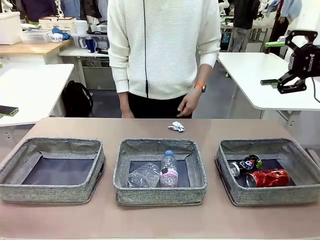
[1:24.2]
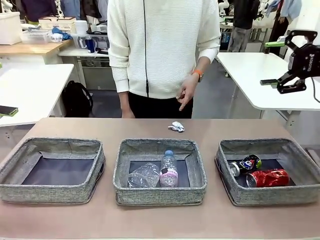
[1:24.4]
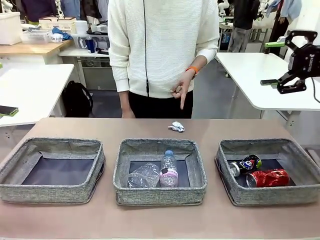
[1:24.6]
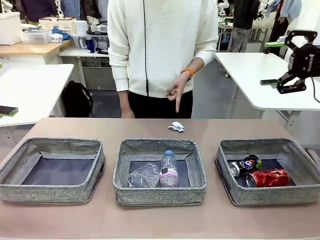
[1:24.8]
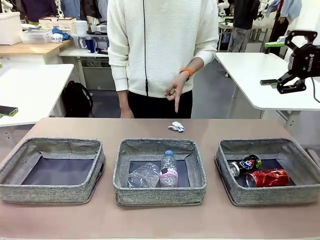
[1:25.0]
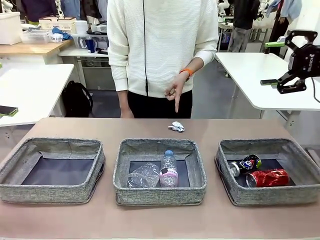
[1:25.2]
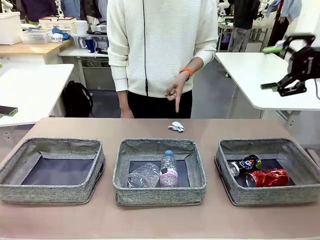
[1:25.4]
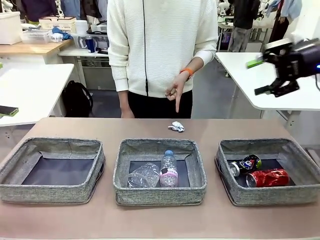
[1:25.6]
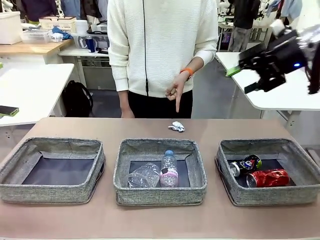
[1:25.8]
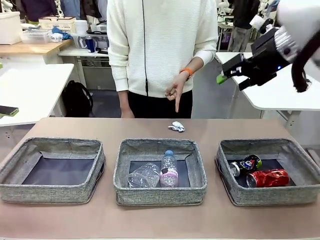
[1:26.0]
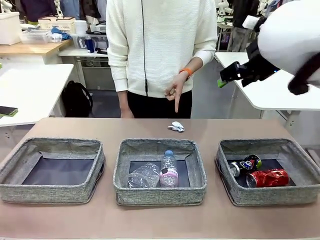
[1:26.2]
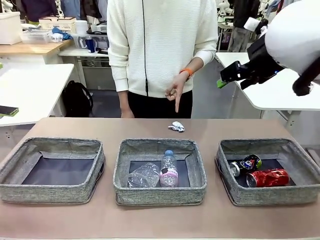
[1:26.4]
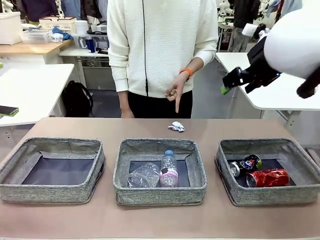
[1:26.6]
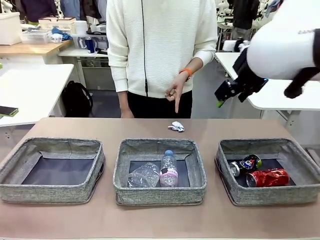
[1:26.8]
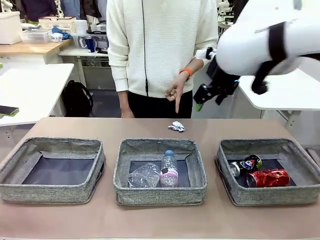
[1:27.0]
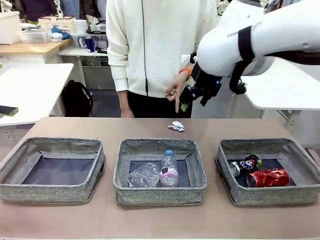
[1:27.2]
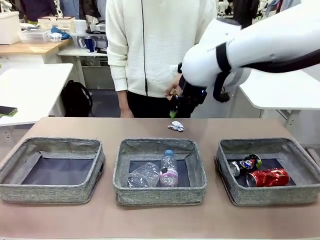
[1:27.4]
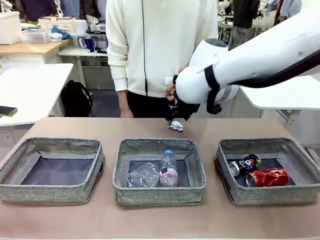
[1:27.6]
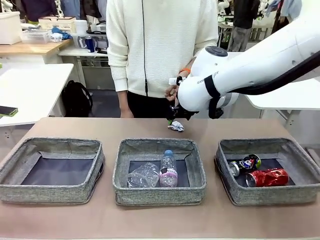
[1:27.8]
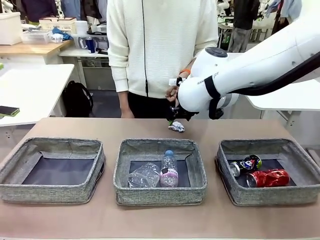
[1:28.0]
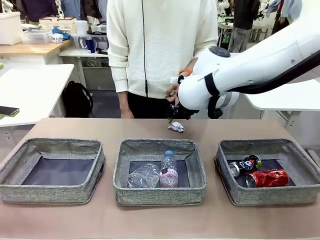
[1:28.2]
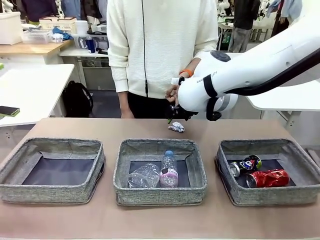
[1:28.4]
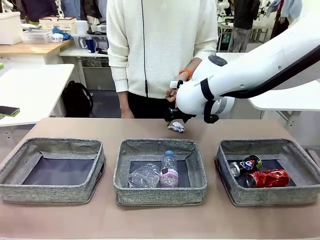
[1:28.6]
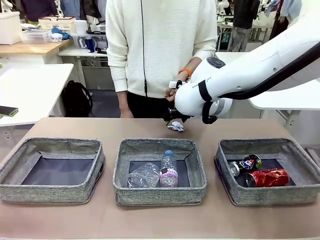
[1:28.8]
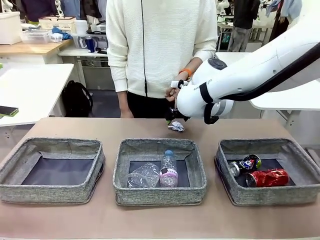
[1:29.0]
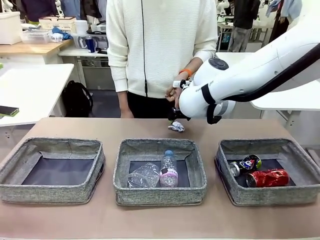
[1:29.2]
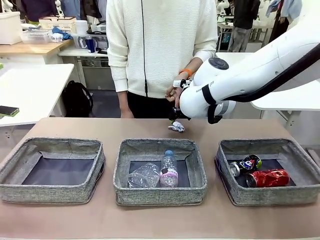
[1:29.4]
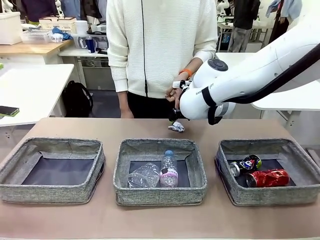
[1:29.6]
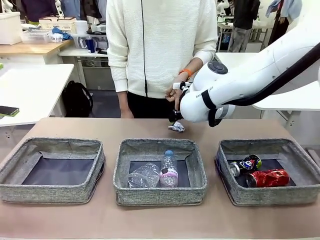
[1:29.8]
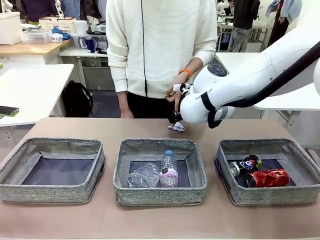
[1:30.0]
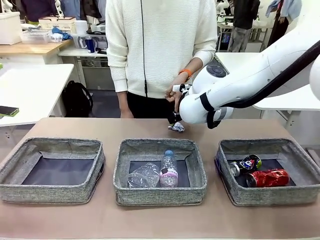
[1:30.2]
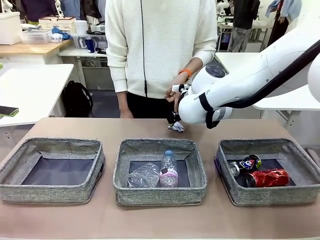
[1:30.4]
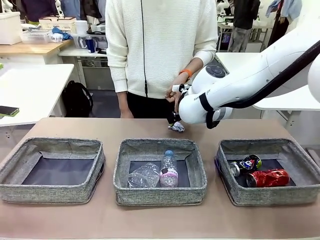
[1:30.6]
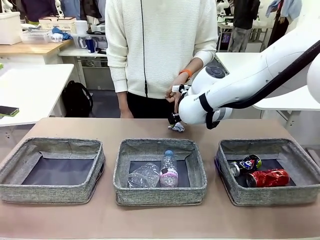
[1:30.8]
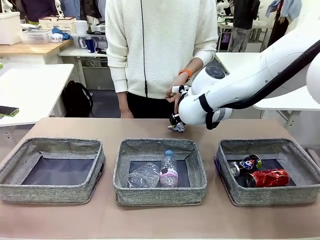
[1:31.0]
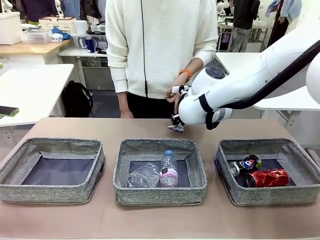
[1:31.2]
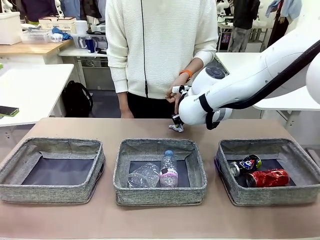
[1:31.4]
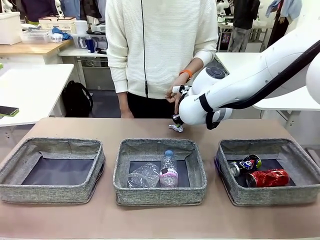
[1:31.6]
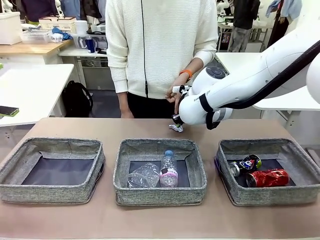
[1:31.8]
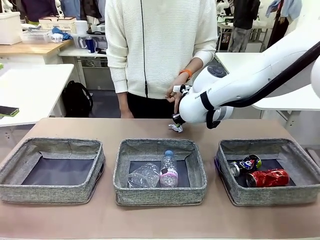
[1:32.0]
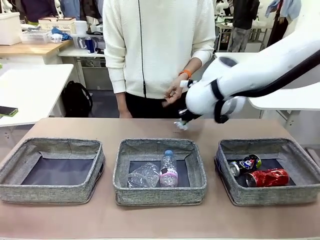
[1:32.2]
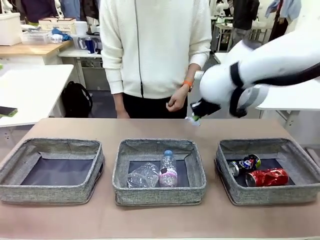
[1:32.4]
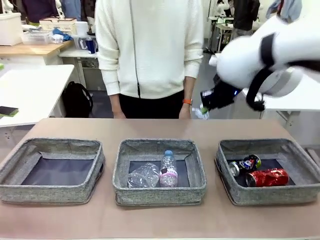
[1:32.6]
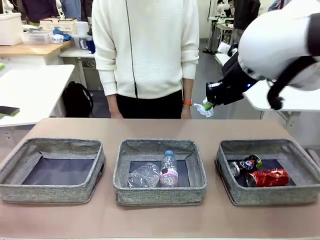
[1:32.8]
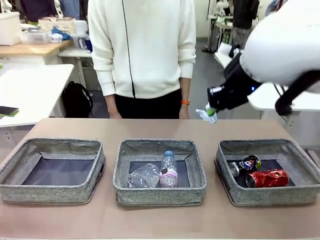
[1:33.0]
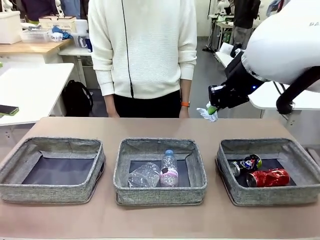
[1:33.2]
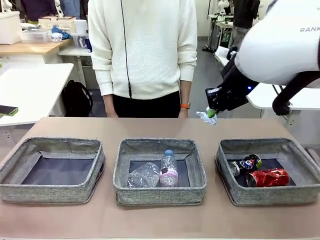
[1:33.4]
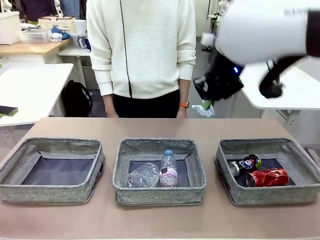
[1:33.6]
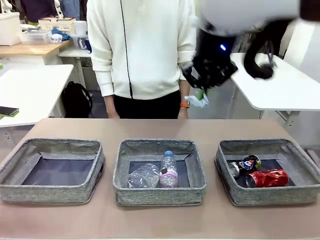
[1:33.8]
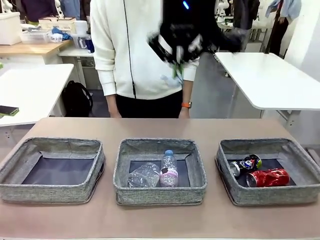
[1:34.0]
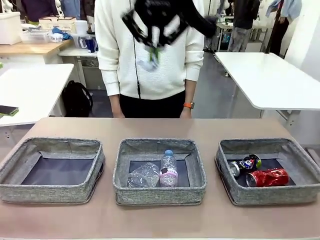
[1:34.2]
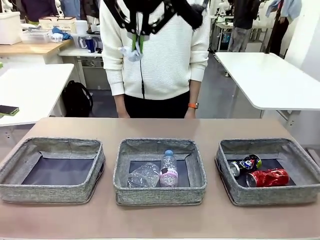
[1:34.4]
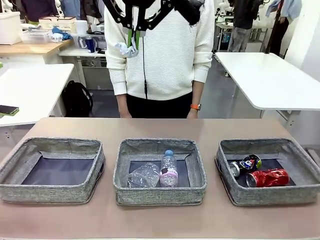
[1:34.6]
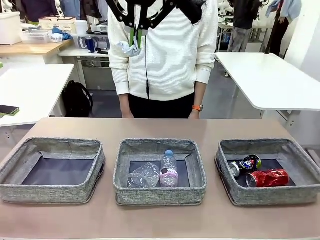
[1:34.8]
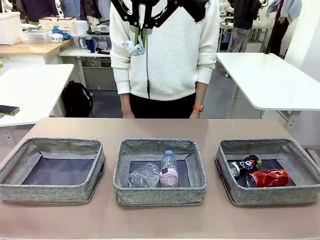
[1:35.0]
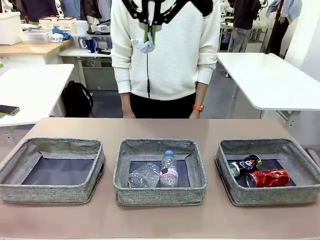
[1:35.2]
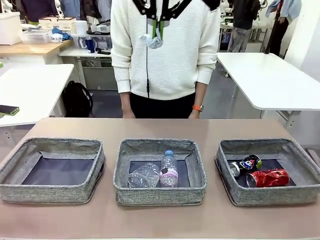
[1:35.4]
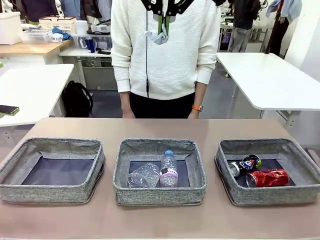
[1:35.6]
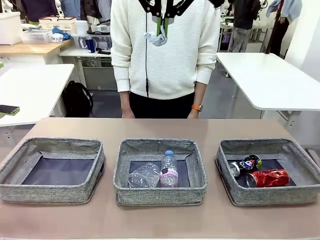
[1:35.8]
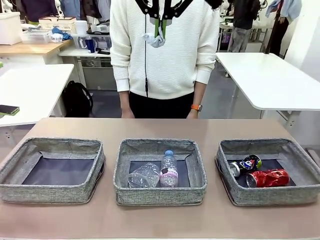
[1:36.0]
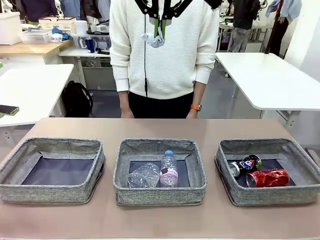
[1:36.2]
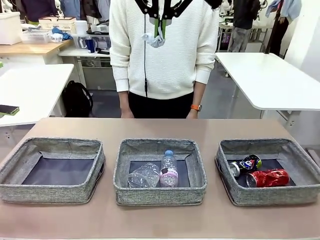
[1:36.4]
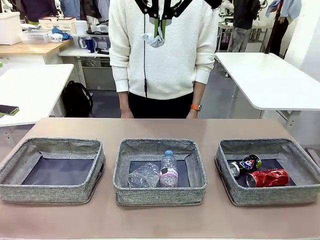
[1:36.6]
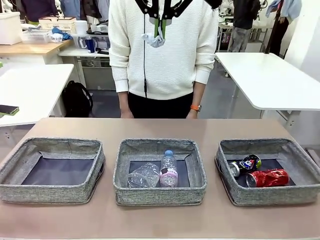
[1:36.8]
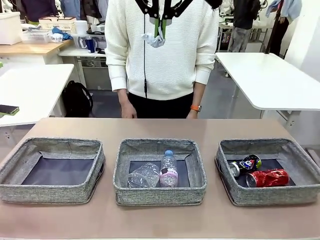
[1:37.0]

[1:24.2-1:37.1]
Task: Sort the waste into the appropriate baskets.
Robot: Pick up the waste item pointed out by the person.
Person: Points to one piece of trash on the table.

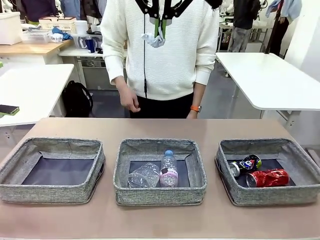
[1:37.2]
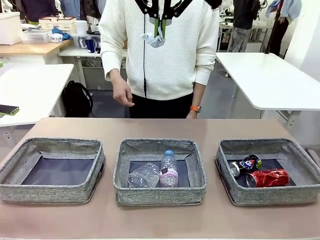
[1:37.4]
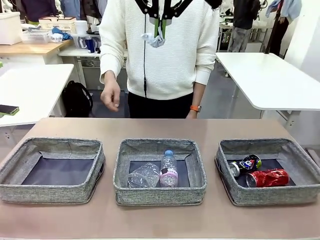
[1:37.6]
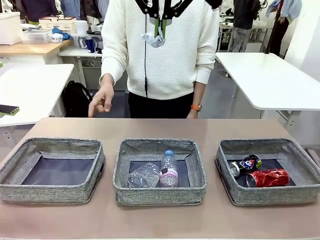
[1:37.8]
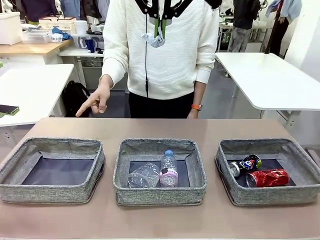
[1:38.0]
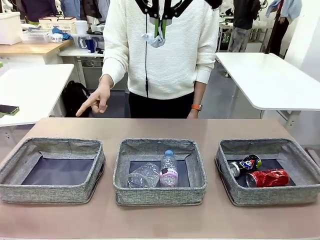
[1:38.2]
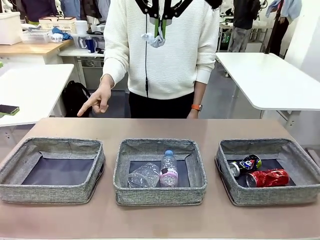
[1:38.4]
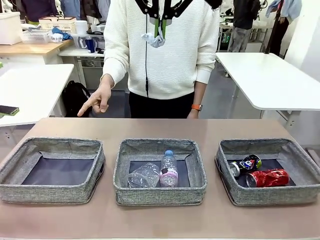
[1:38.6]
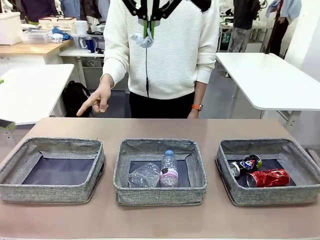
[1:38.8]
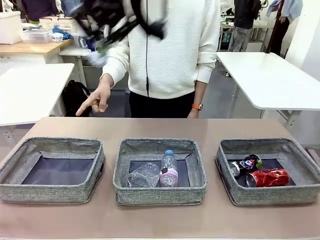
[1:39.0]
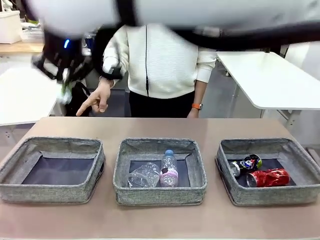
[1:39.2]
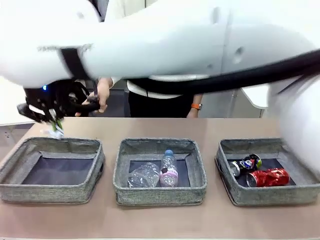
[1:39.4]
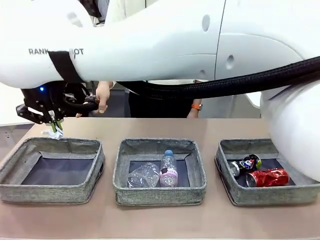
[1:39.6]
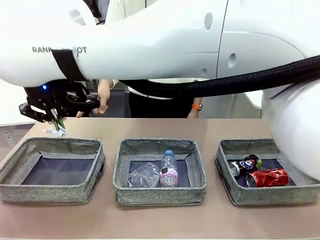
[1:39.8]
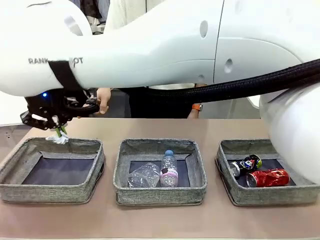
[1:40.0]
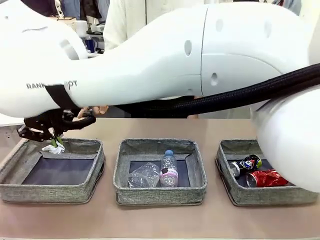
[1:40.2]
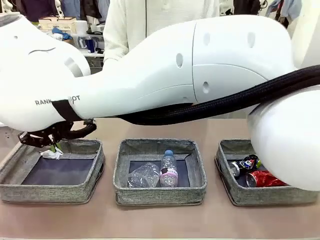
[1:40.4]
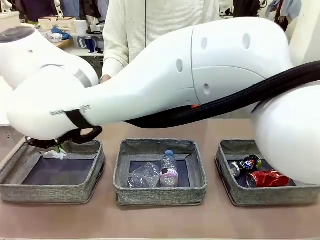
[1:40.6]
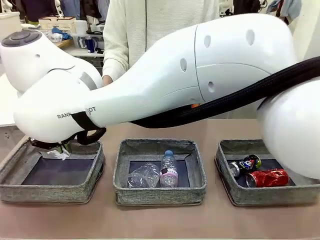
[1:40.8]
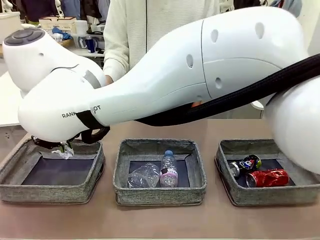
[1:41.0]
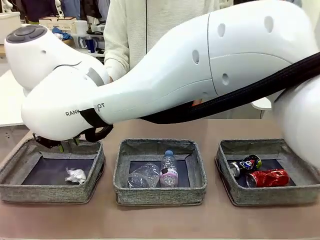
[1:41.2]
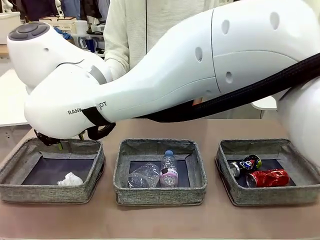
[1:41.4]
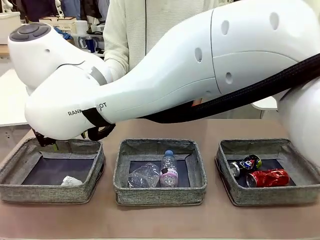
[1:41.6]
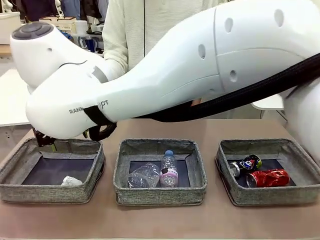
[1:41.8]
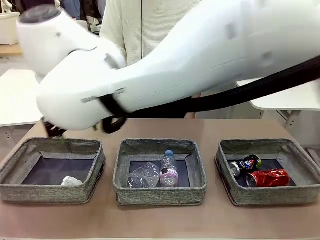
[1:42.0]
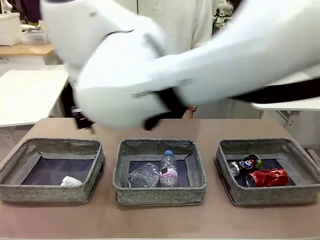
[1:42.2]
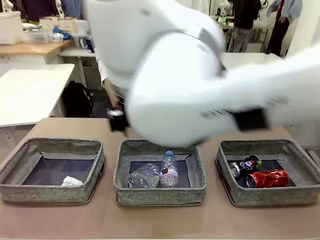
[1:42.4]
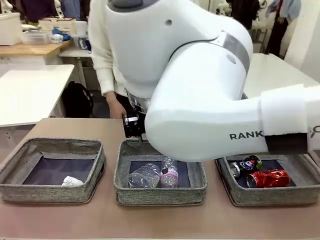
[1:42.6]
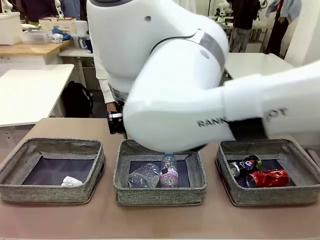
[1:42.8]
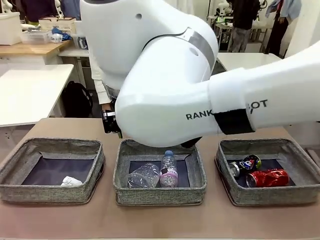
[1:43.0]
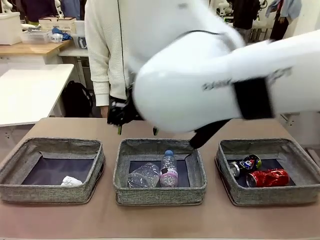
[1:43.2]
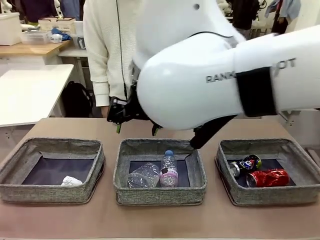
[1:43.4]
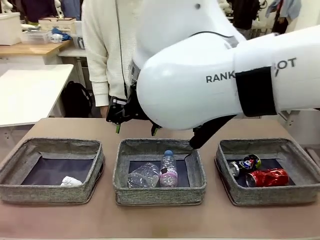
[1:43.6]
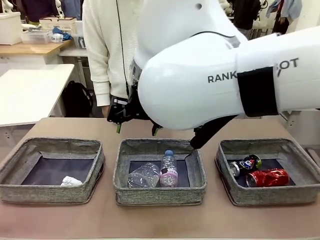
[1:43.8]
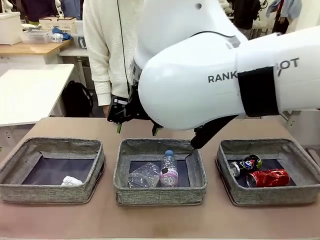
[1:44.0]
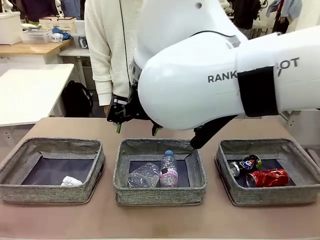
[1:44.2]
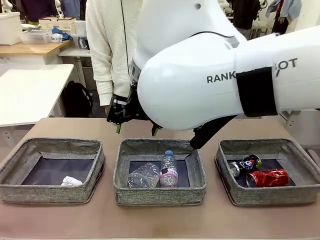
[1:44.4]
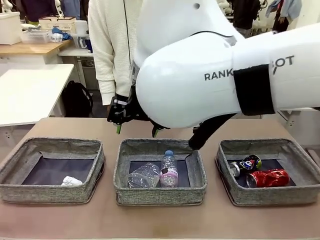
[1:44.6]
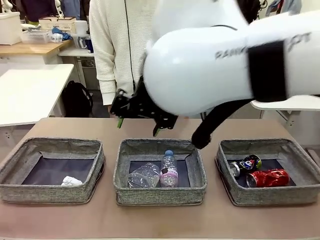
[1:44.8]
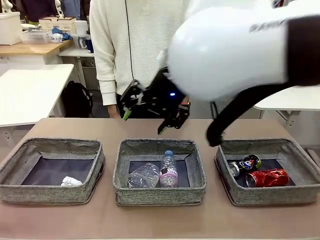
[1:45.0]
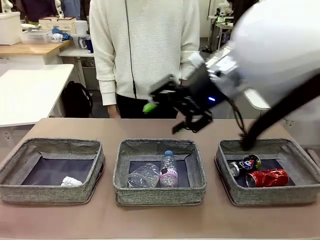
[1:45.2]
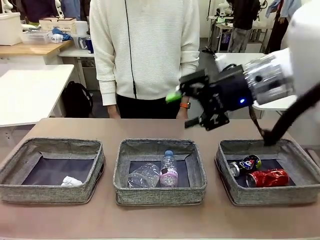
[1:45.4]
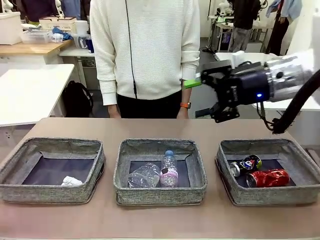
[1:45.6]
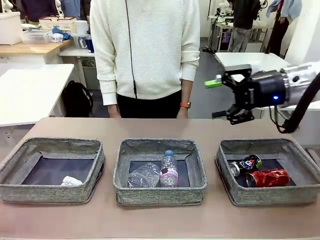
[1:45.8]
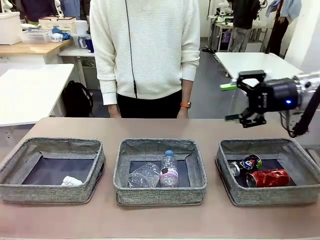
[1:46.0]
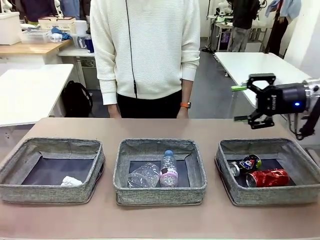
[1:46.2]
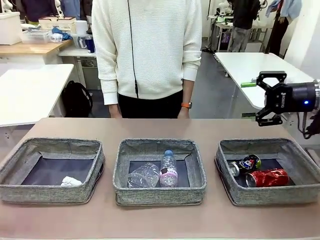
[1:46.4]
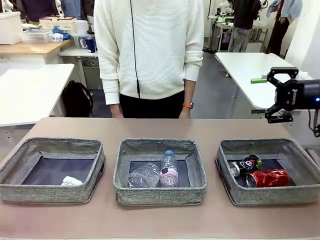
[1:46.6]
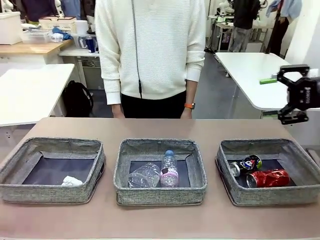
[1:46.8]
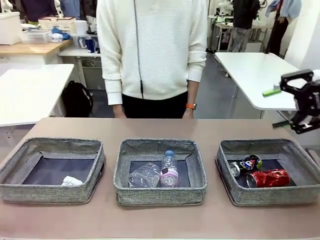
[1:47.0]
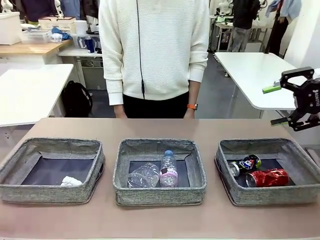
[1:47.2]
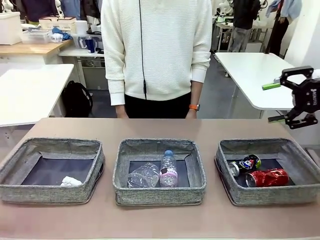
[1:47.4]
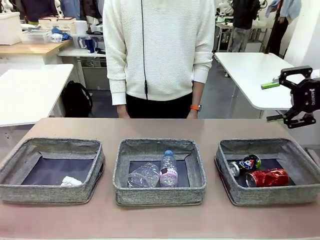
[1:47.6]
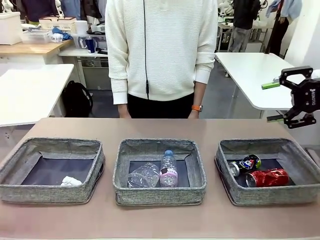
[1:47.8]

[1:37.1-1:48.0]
Robot: Place the picked waste into the Fabric basket indicated by the person.
Person: Instructs the robot to place the picked-up trash into the appropriate organizing basket.
